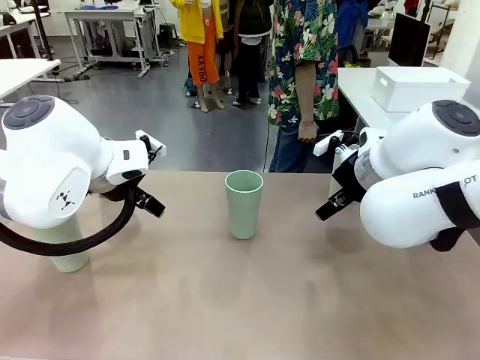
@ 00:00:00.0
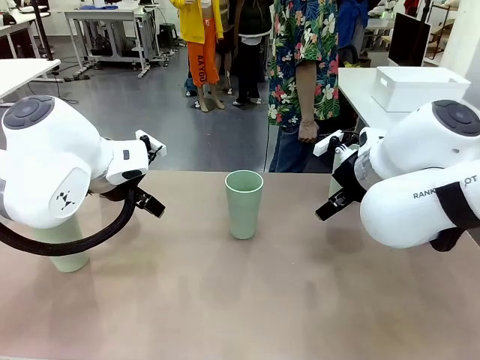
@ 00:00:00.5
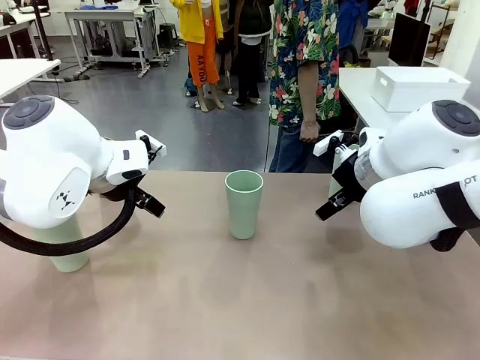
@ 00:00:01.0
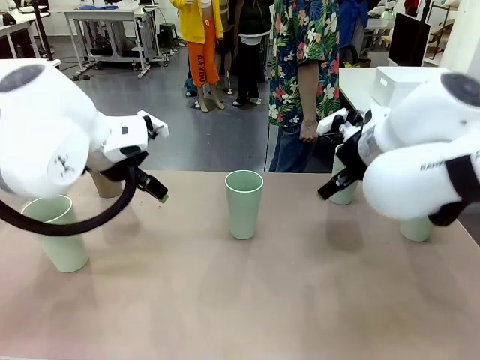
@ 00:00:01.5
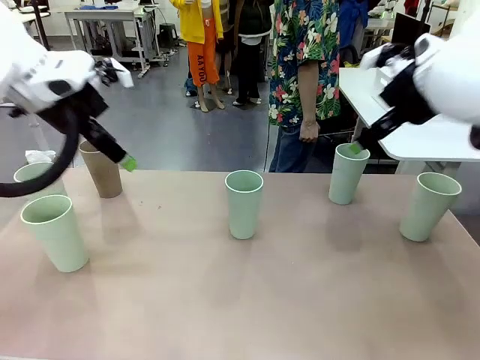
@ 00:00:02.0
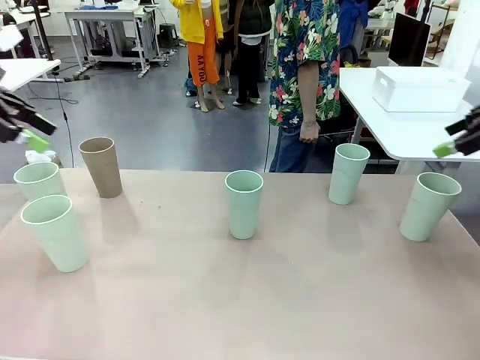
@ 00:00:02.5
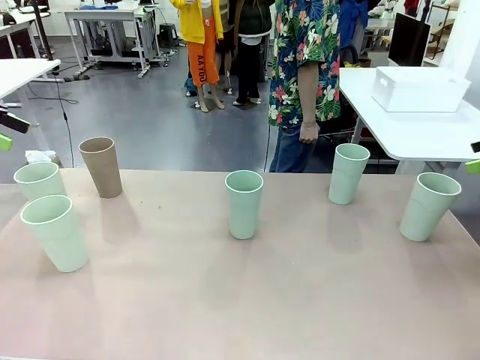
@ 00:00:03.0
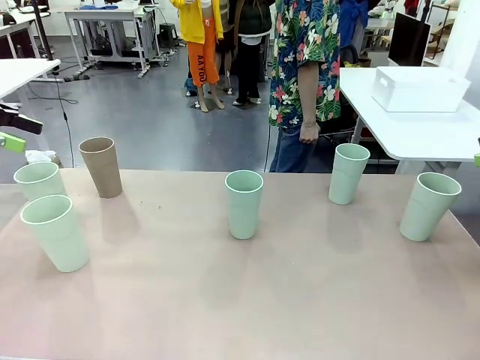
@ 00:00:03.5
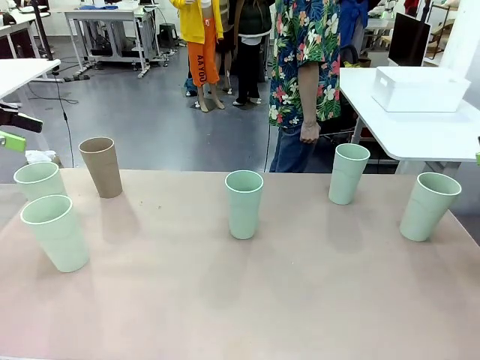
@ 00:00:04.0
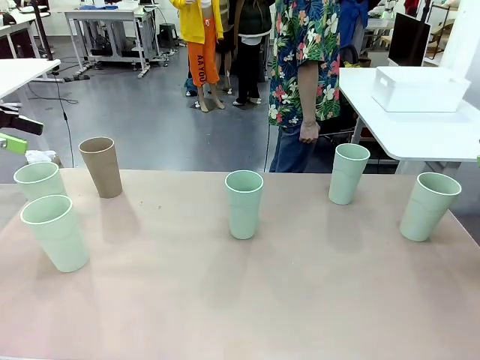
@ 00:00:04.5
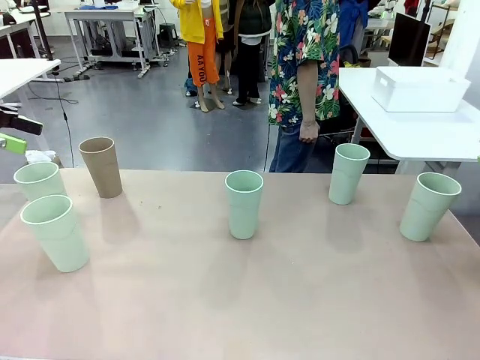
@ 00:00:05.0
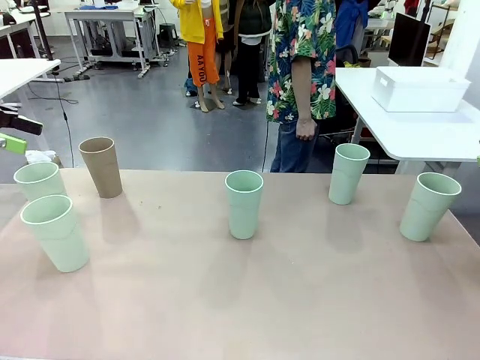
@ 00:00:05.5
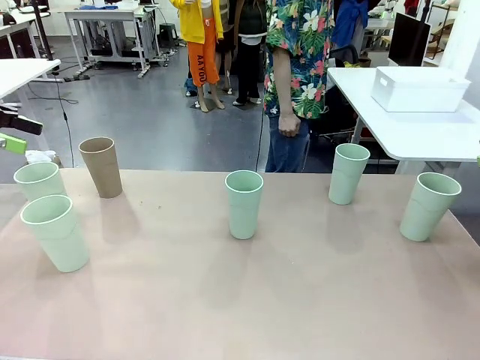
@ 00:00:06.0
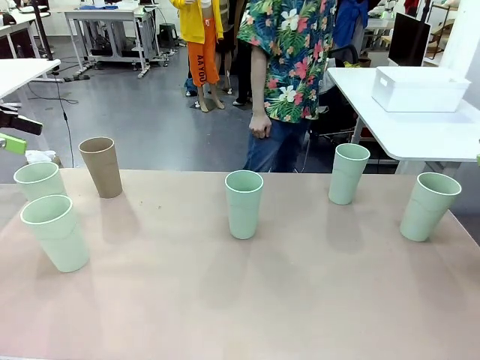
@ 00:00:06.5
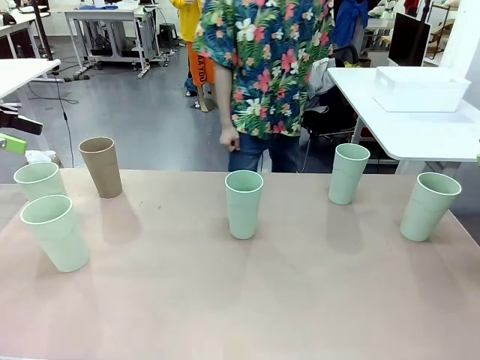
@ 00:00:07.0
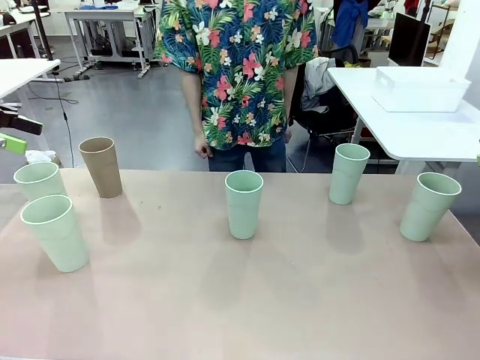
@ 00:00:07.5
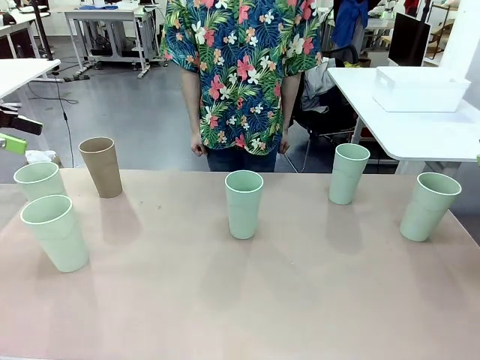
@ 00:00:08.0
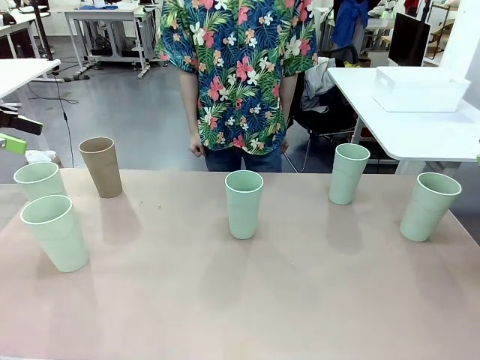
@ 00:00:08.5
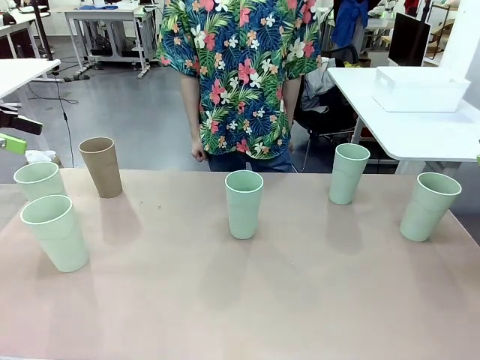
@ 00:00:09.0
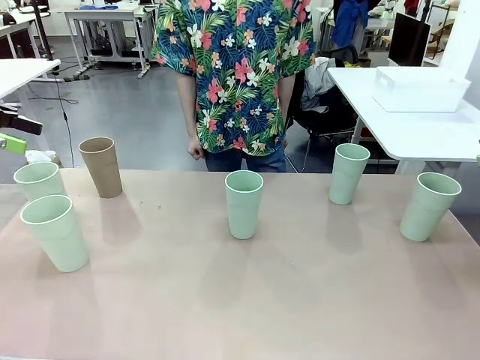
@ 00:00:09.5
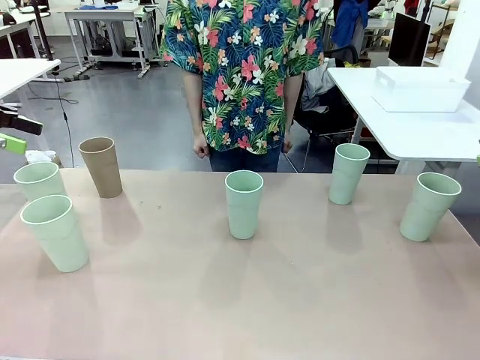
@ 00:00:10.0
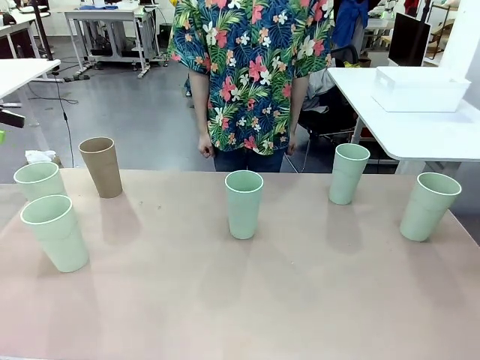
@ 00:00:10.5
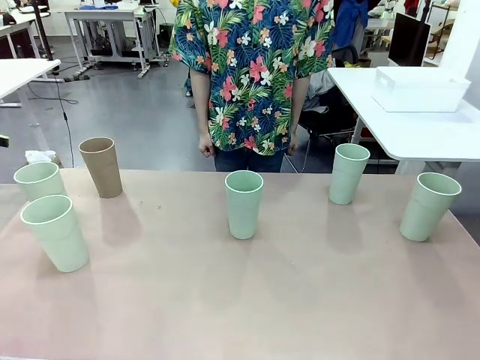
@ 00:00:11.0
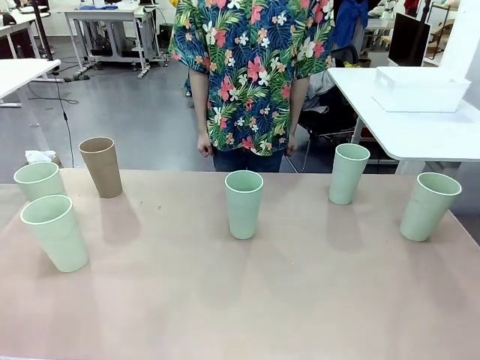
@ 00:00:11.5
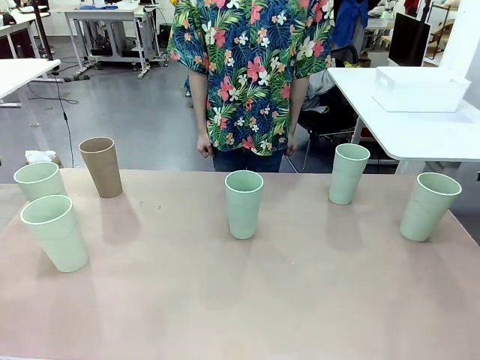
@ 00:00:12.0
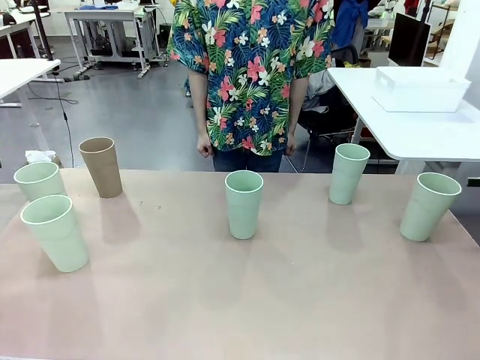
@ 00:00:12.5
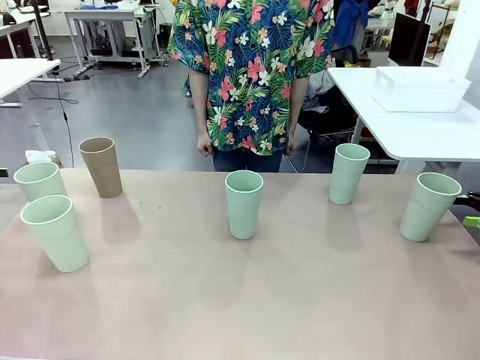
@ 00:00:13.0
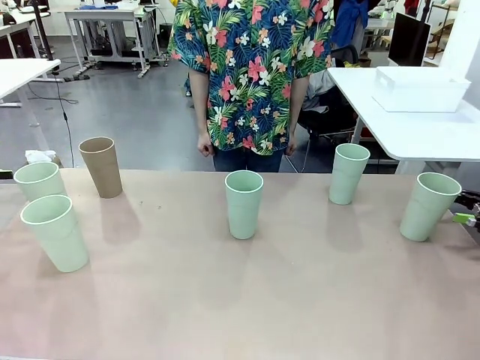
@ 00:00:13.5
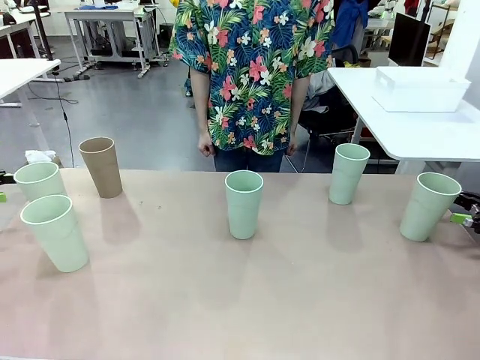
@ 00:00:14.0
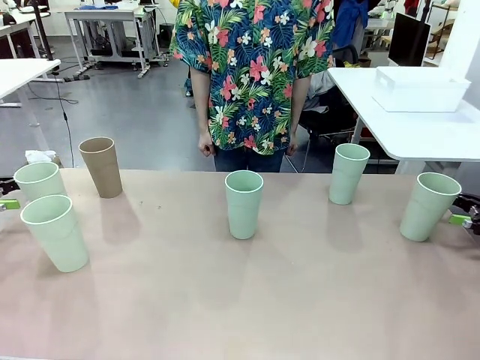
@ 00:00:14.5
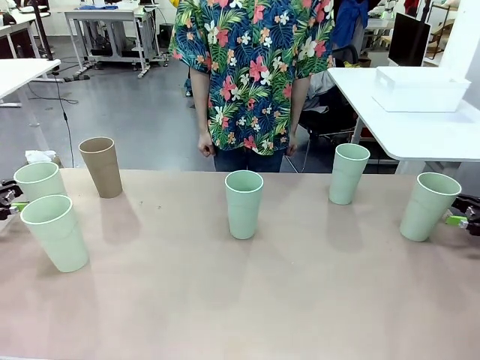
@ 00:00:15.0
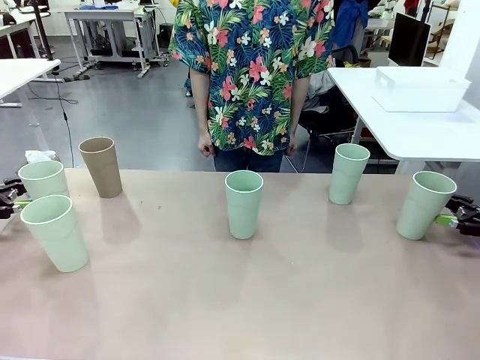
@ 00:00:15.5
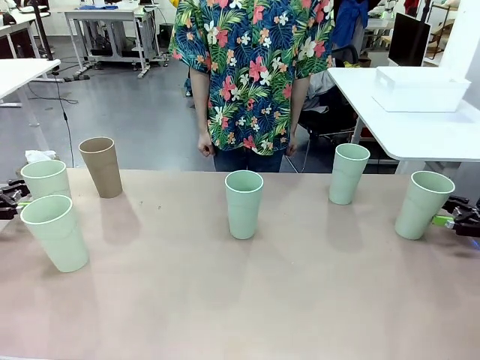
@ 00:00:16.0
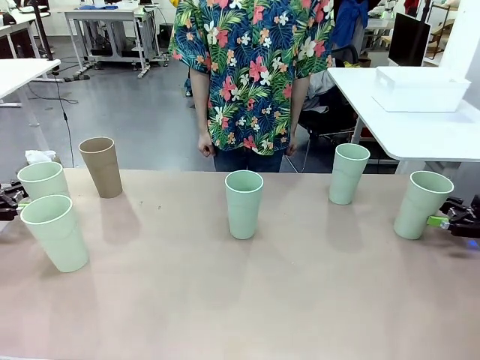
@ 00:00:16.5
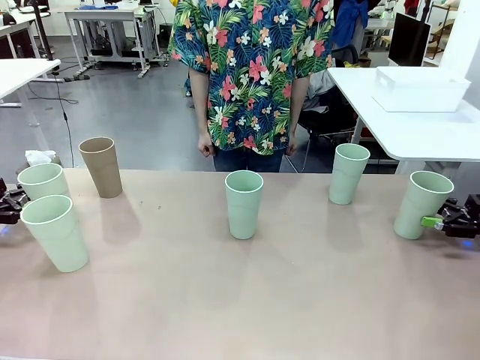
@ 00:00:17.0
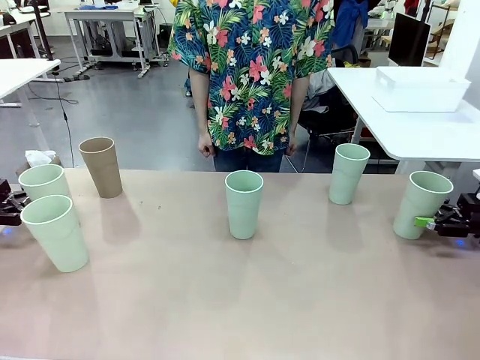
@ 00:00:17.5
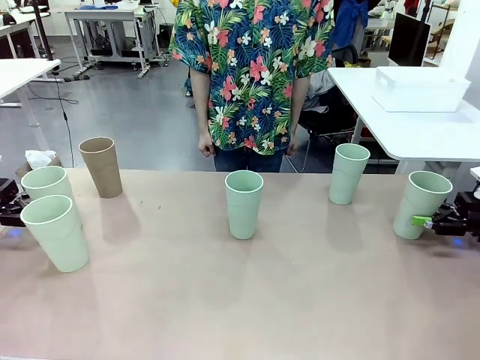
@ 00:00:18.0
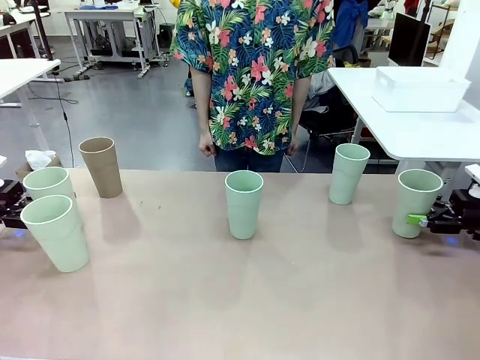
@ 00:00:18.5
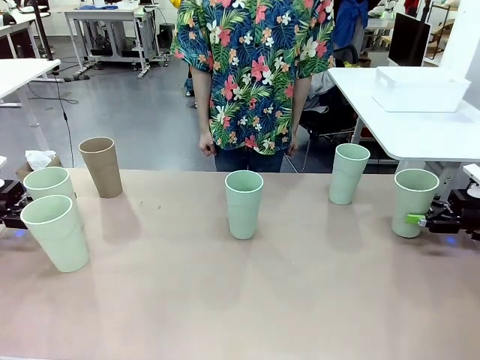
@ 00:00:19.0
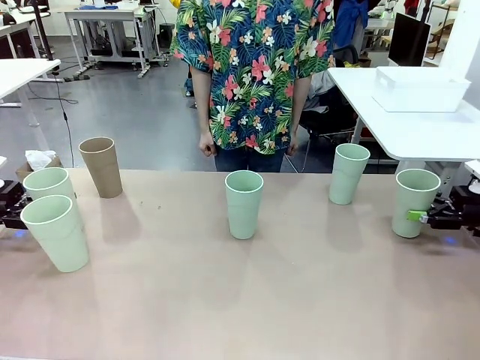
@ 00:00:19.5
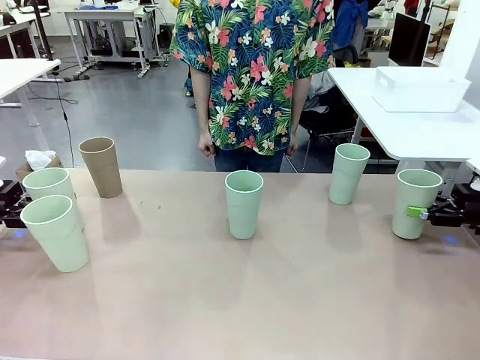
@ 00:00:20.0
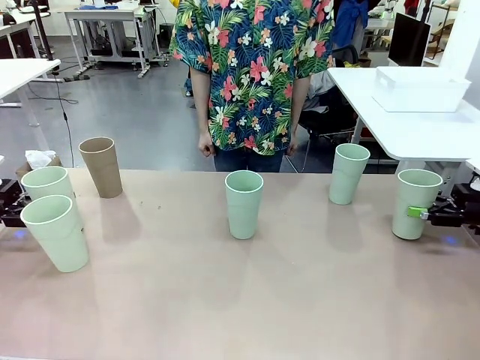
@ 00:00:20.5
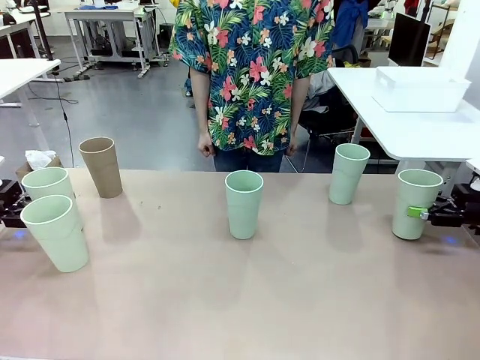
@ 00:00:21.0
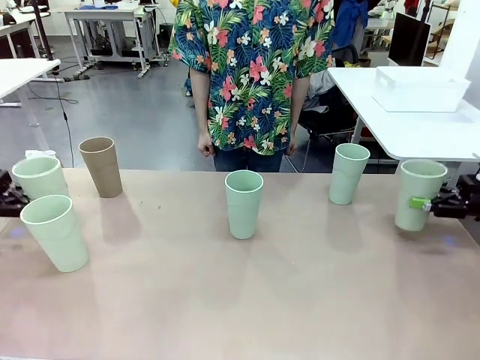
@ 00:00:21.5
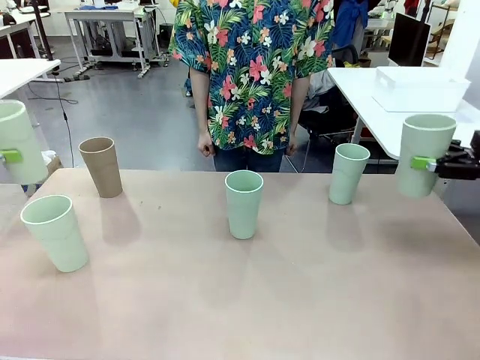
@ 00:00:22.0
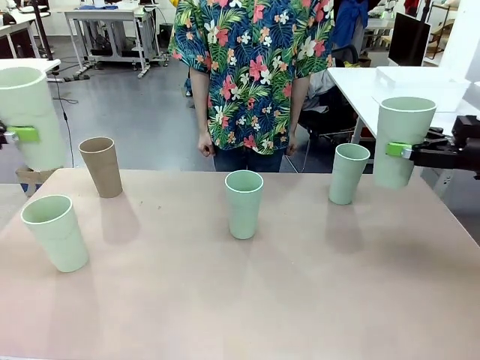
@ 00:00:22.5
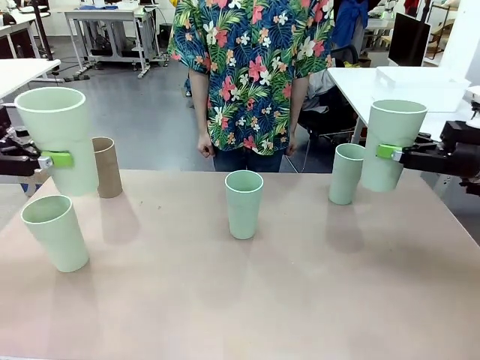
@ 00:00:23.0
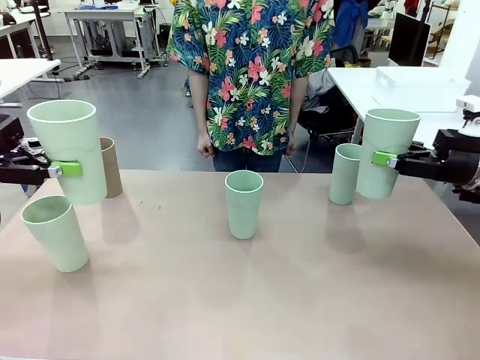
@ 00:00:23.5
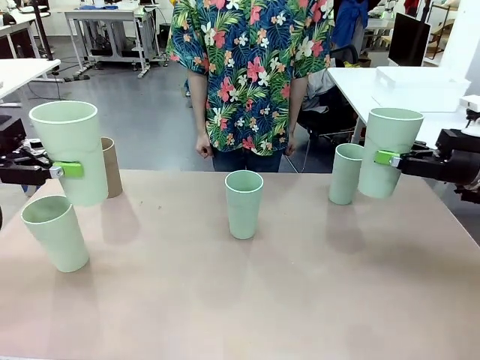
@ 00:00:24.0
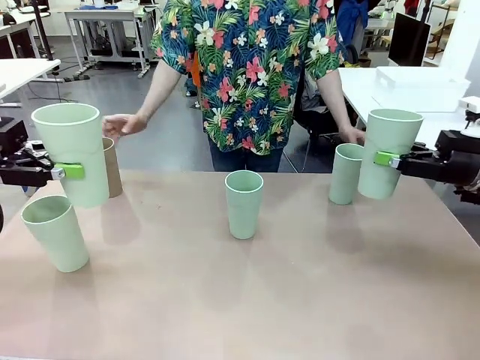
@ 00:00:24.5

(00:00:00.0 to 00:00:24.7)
Task: Stack the cups and store them in the basket.
Robot: Pick up two Reusable plastic cups , one in each hand.
Person: Move from the Human Table to the front of the Robot Table. Stack two of the remaining cups on top of each cup held by the robot.
